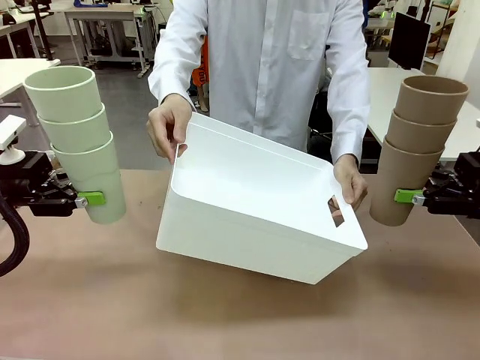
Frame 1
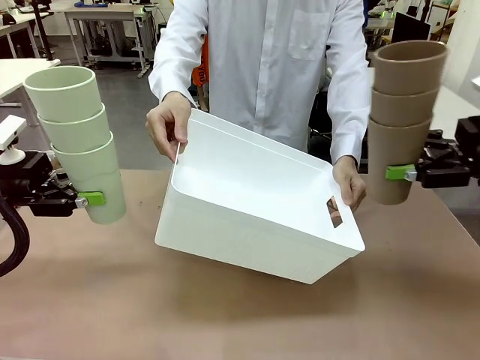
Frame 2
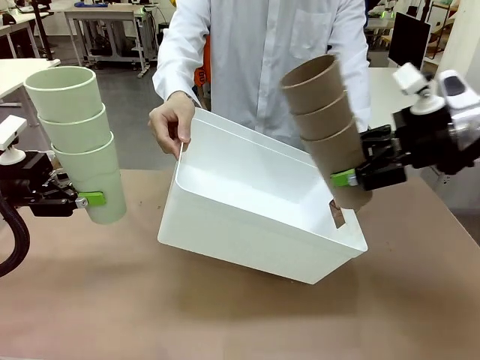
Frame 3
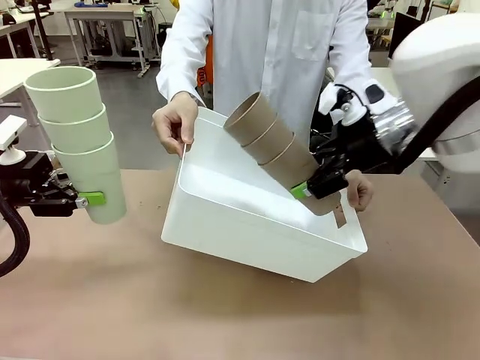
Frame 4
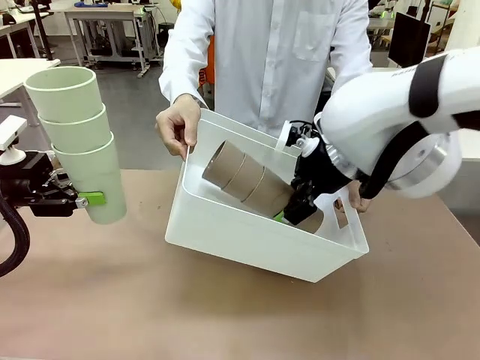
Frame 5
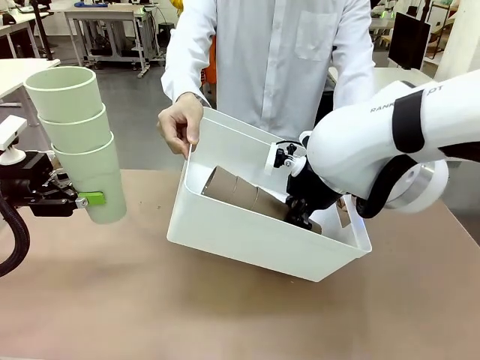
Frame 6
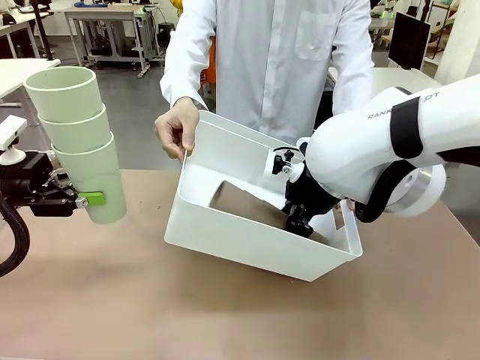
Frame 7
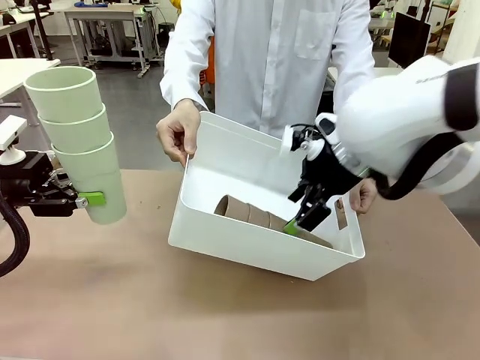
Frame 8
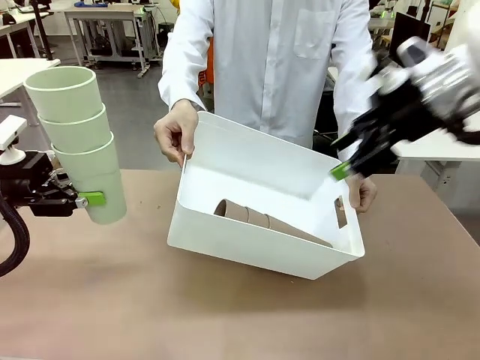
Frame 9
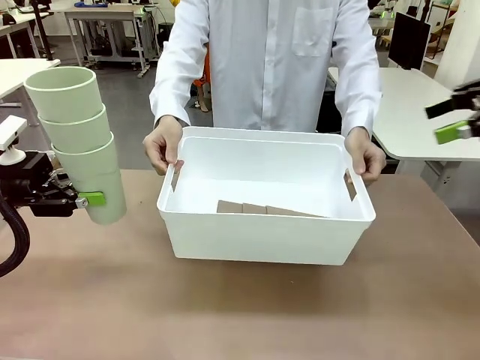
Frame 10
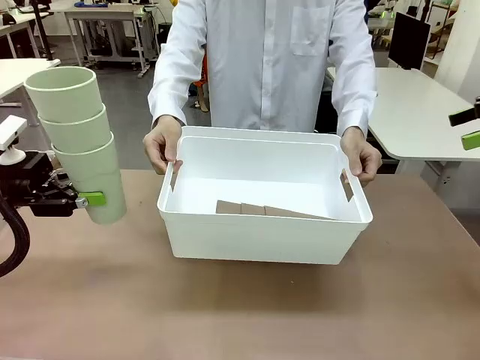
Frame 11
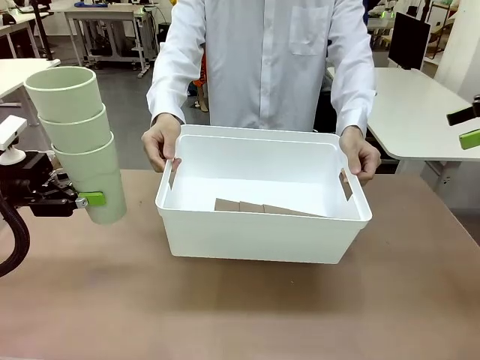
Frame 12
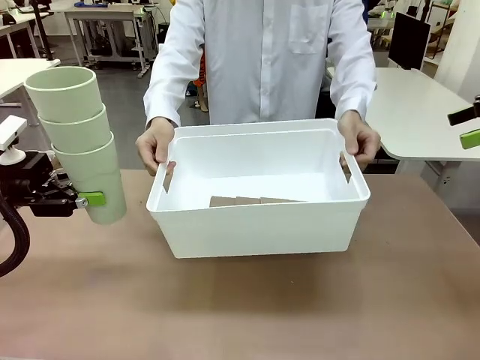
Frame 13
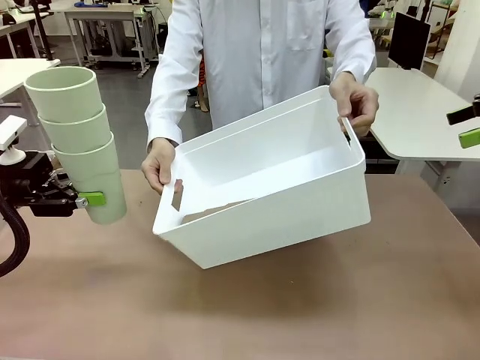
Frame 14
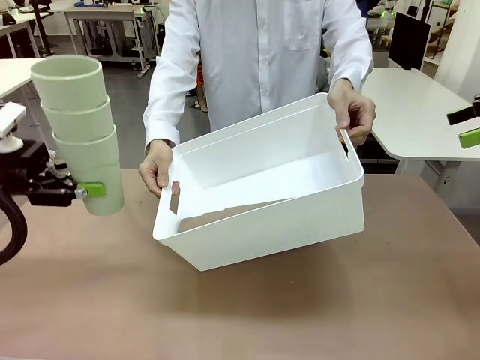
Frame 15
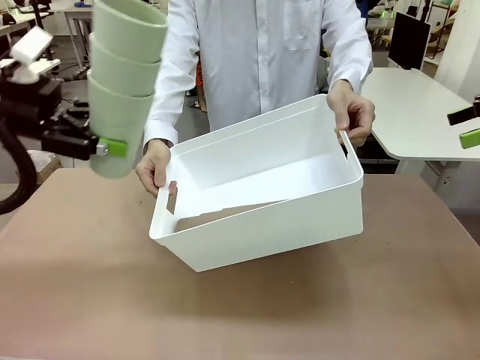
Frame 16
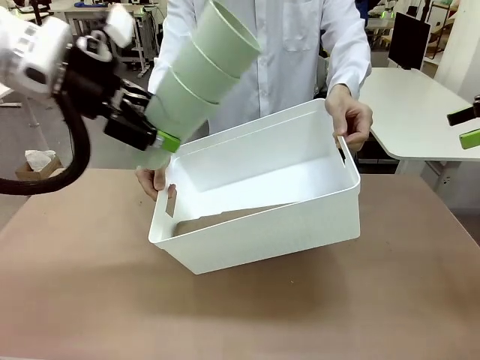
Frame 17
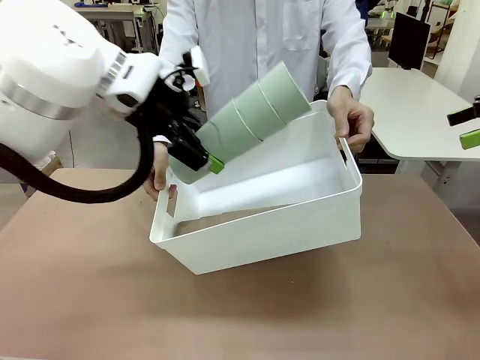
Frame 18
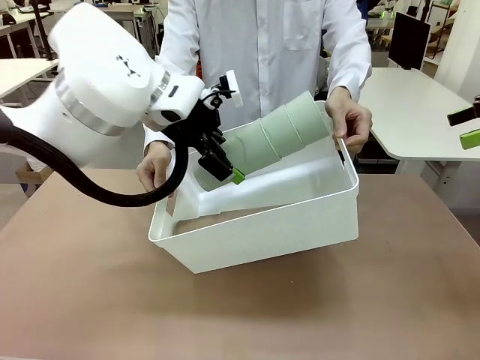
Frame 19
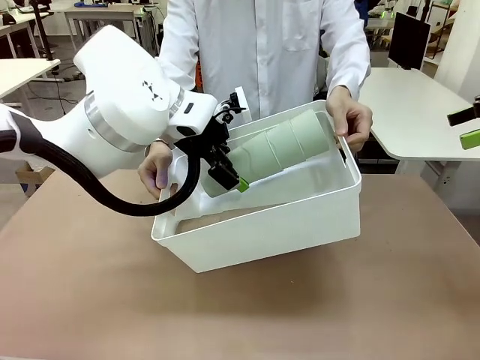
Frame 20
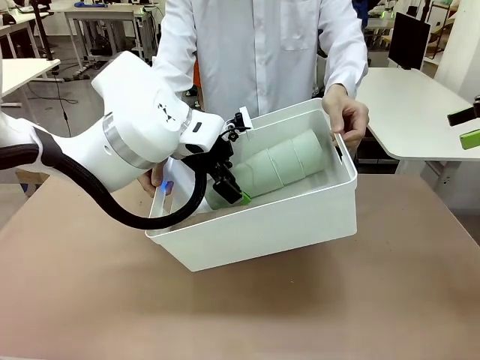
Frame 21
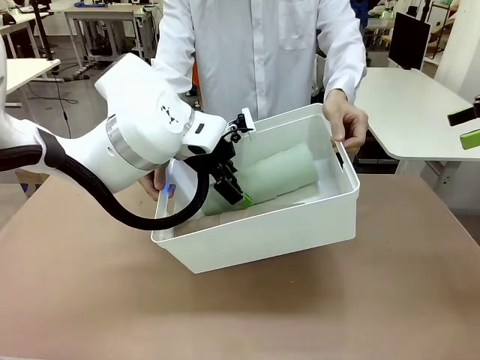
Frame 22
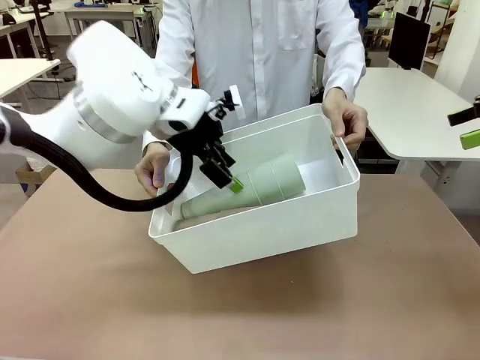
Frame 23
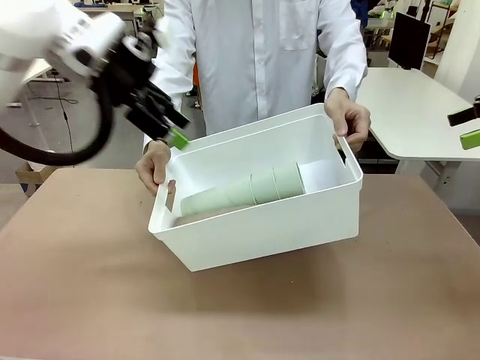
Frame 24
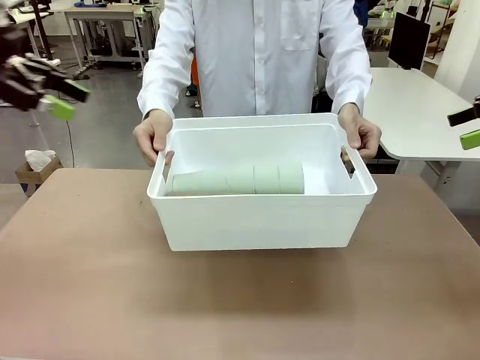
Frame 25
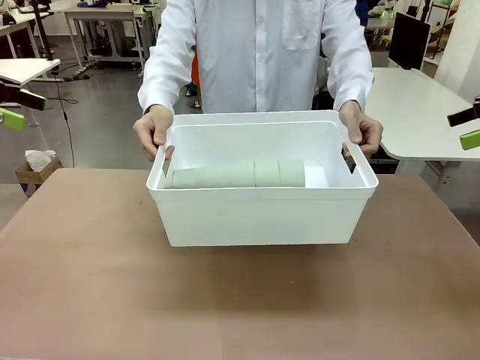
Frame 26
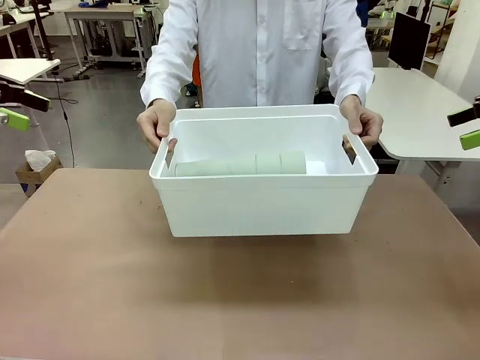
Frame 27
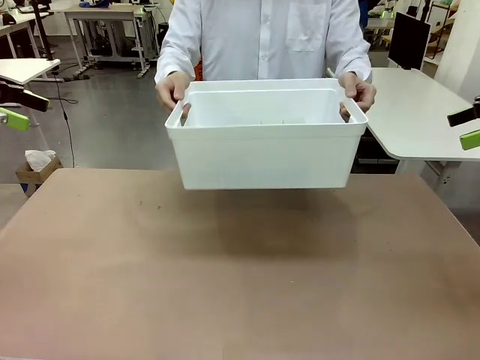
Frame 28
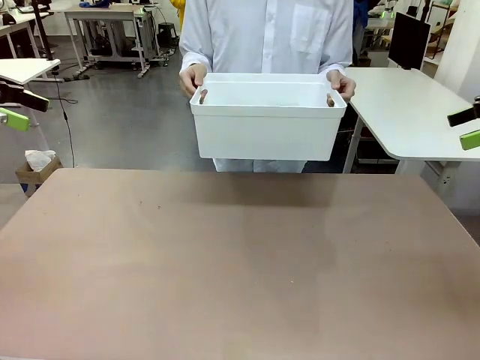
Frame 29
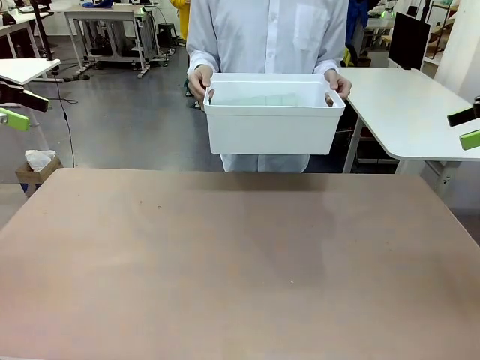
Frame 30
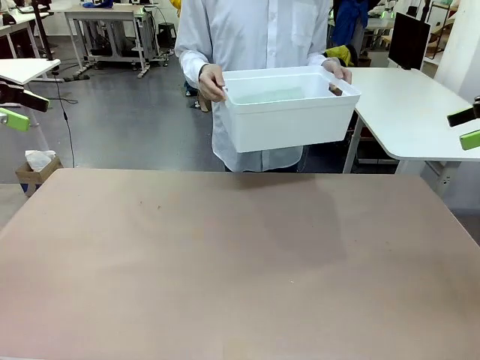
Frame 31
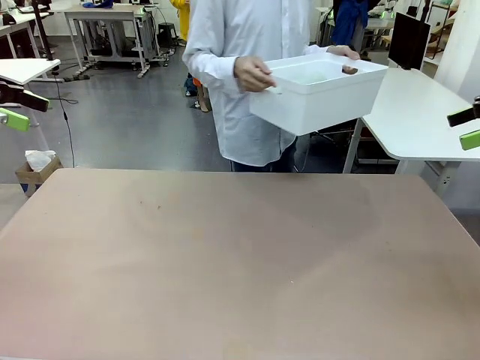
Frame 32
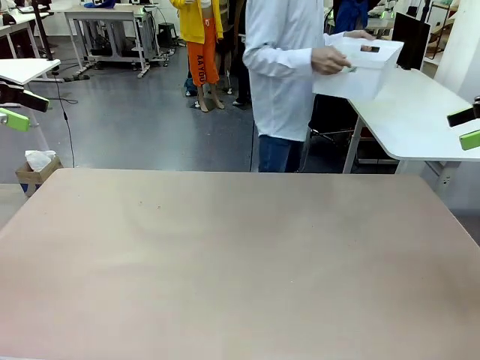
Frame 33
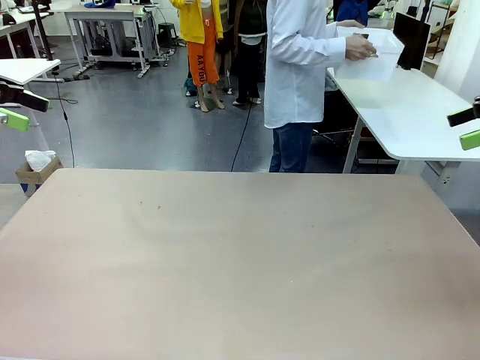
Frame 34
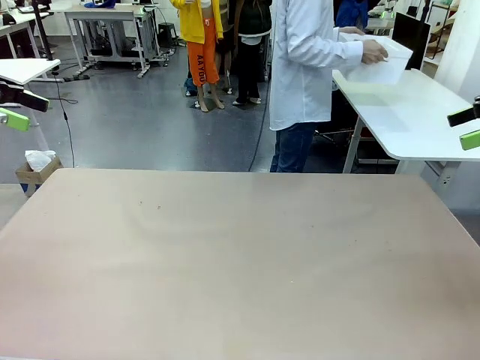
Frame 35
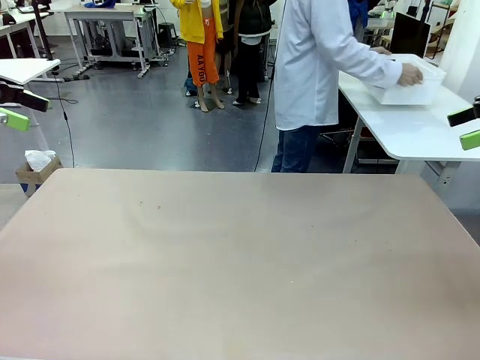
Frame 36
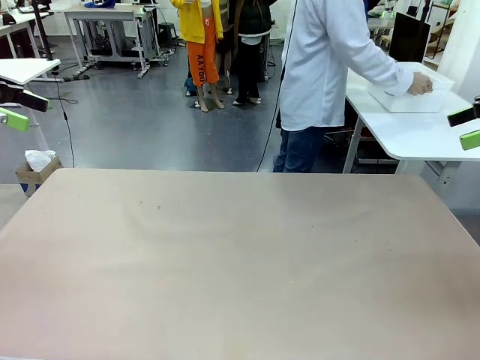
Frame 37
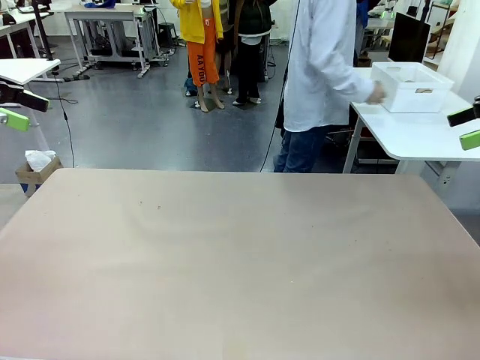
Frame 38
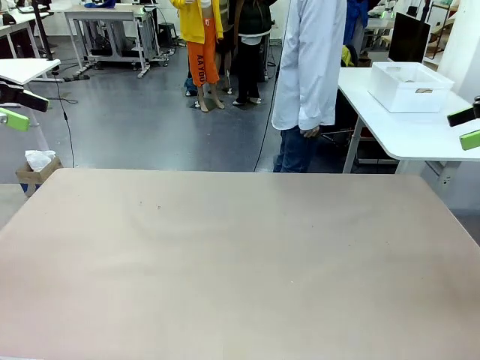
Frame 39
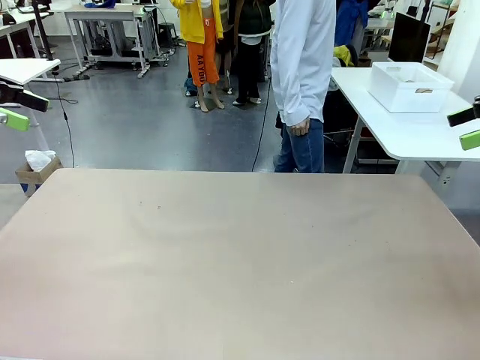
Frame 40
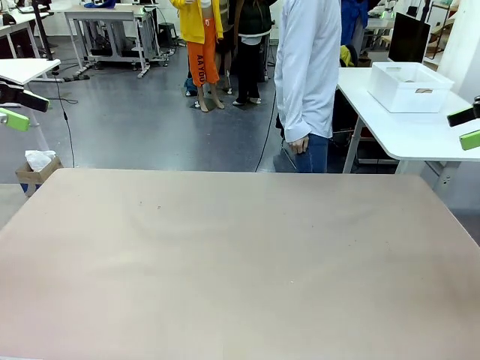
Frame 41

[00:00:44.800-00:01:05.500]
Task: Stack the cups and store them in the basket.
Robot: Place the stack of Reusable plastic cups into the Pantry Basket.
Person: Place the basket containing the cups in the middle of the Human Table.

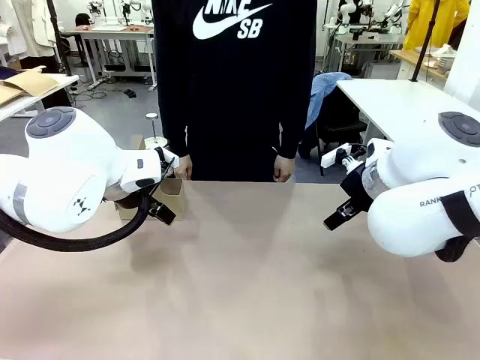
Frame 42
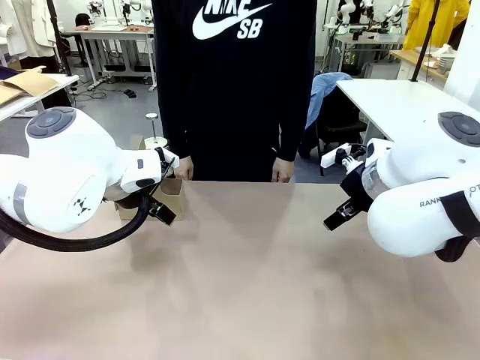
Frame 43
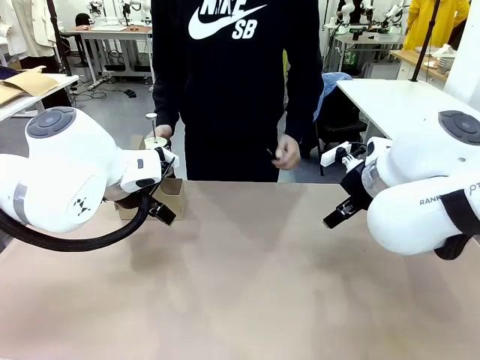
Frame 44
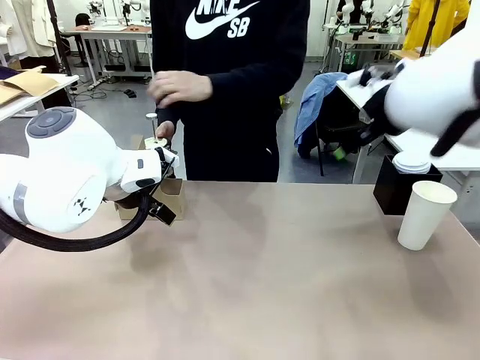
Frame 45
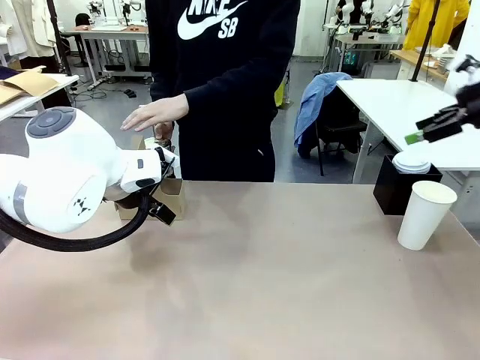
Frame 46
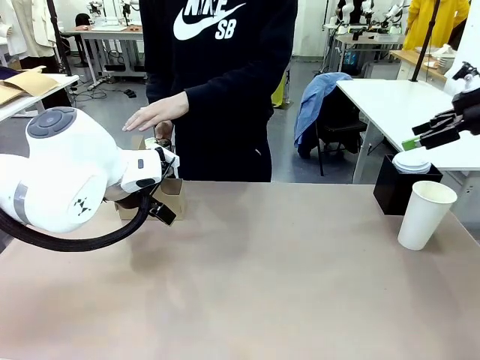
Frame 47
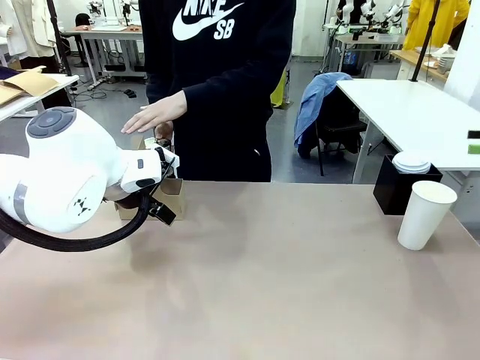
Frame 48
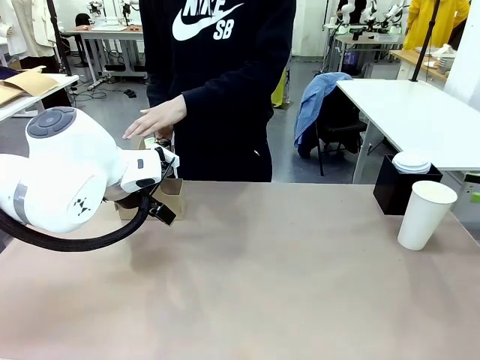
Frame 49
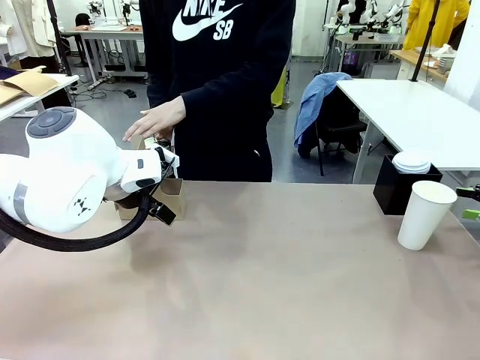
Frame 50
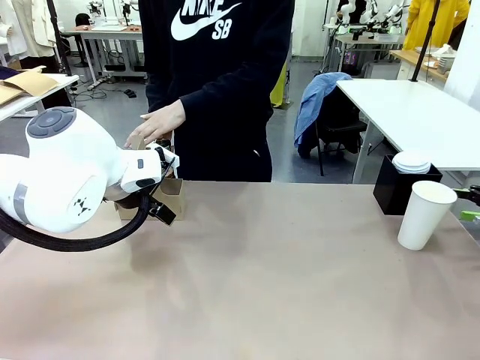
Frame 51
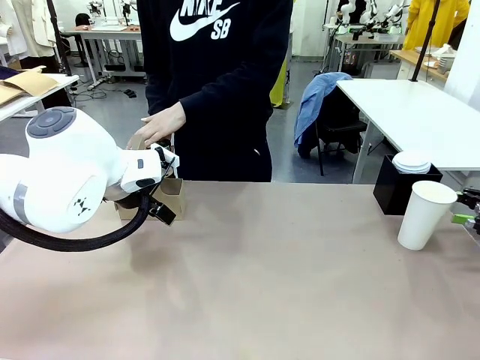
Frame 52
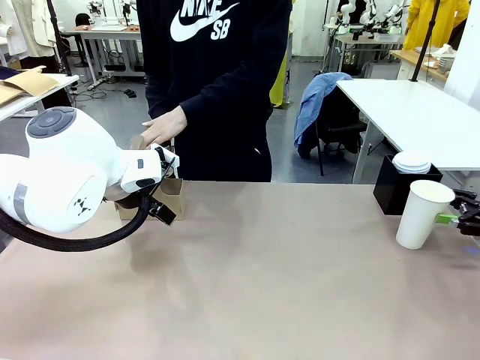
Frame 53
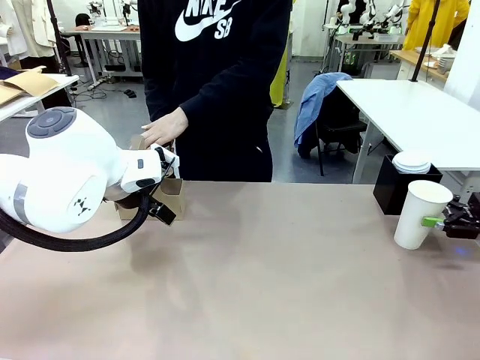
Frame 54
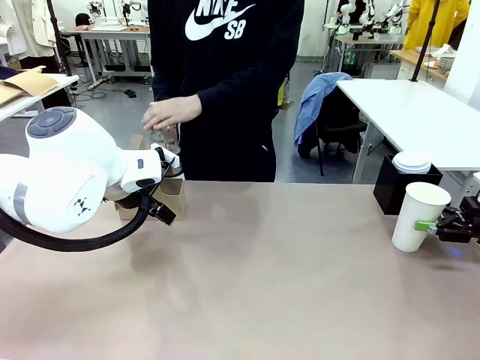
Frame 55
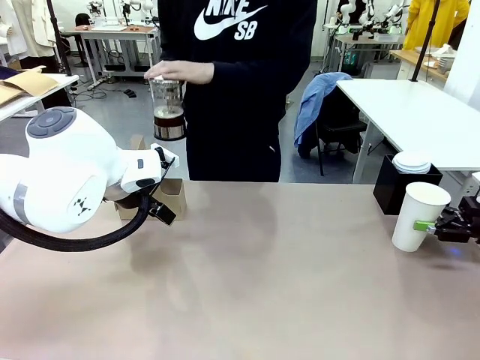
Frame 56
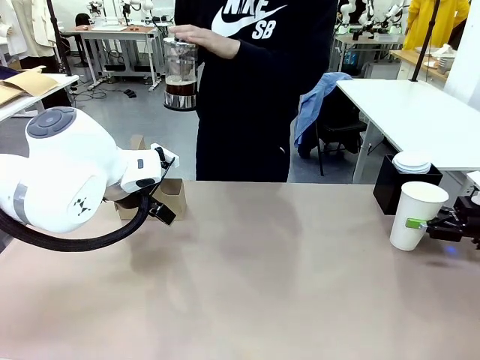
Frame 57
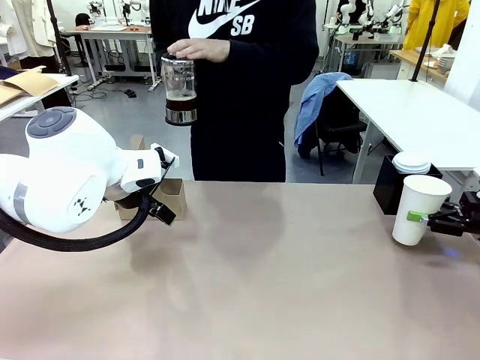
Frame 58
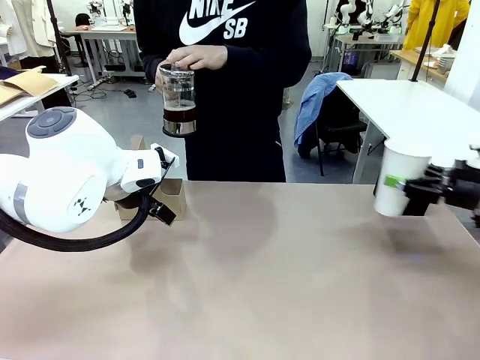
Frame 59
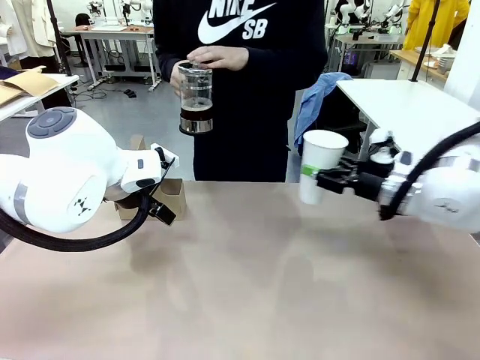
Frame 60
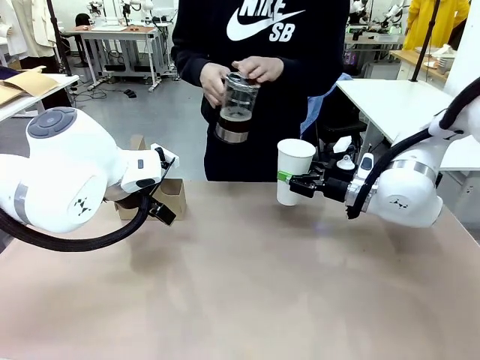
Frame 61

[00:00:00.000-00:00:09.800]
Task: Pour a drink into a cup and package it in a carrier.
Robot: Pick up the 600 ml Paper Cup and place it in the middle top area of the table.
Person: Press and pick up the Filter Brewing.
